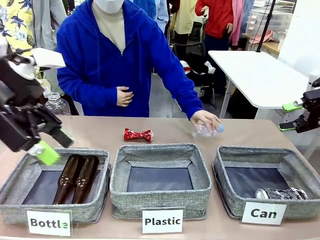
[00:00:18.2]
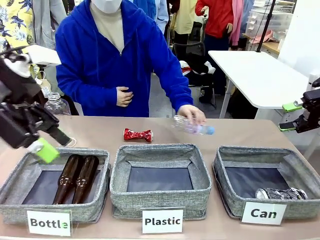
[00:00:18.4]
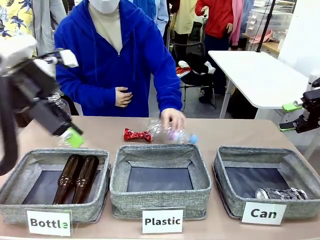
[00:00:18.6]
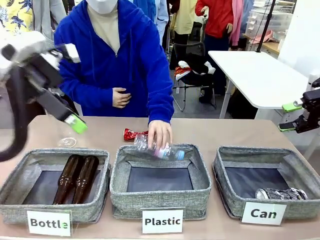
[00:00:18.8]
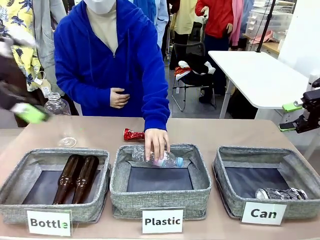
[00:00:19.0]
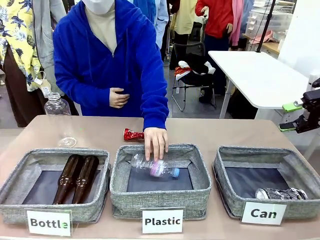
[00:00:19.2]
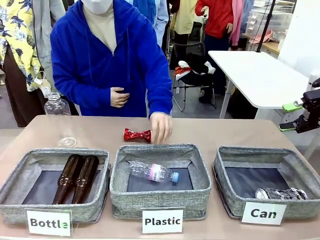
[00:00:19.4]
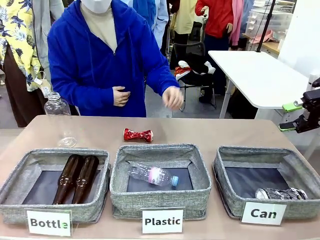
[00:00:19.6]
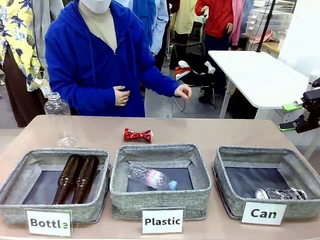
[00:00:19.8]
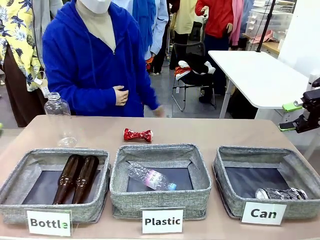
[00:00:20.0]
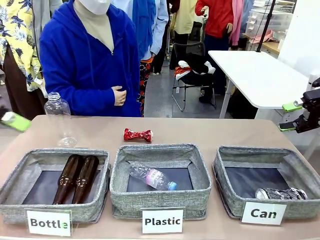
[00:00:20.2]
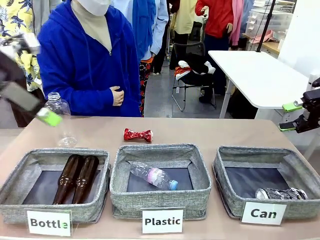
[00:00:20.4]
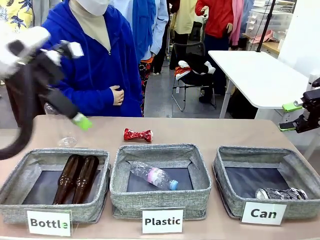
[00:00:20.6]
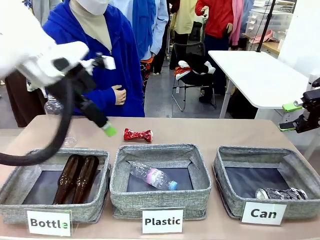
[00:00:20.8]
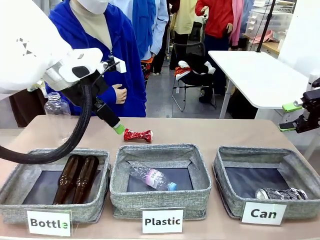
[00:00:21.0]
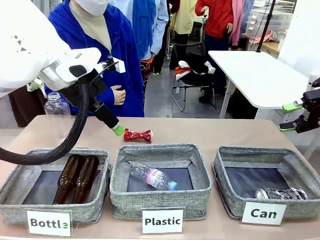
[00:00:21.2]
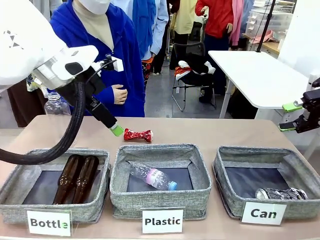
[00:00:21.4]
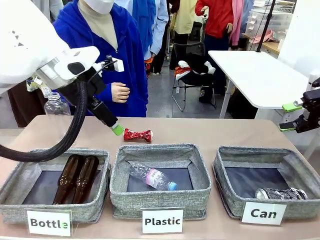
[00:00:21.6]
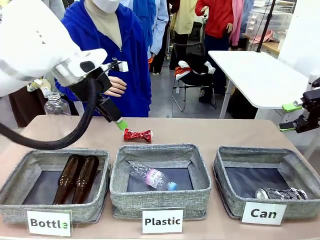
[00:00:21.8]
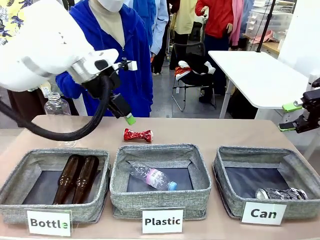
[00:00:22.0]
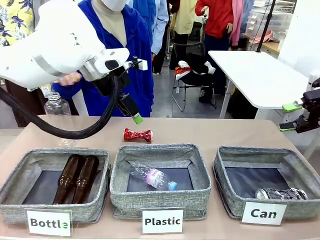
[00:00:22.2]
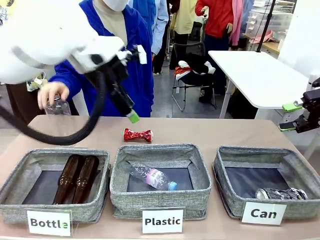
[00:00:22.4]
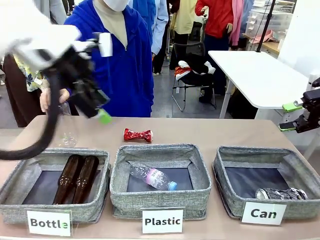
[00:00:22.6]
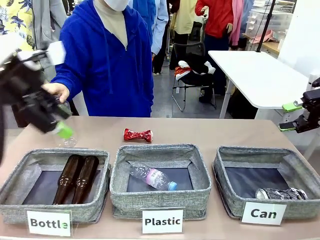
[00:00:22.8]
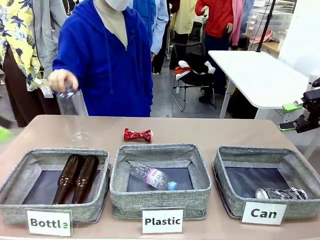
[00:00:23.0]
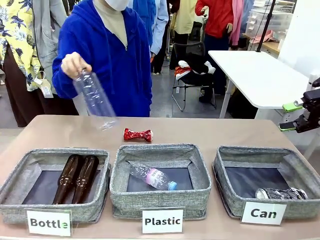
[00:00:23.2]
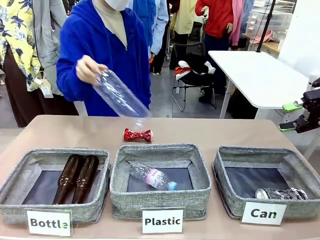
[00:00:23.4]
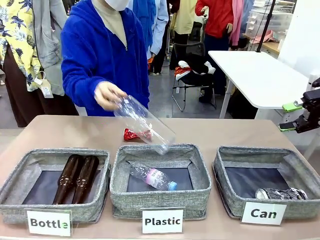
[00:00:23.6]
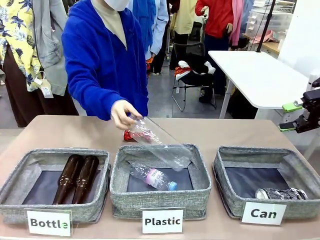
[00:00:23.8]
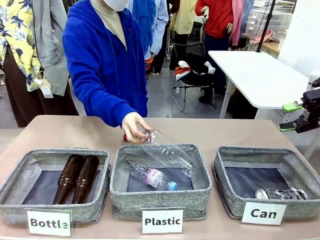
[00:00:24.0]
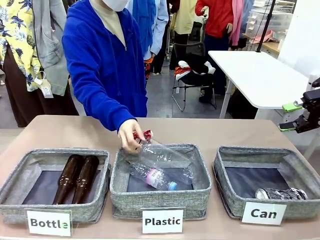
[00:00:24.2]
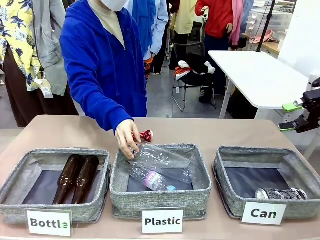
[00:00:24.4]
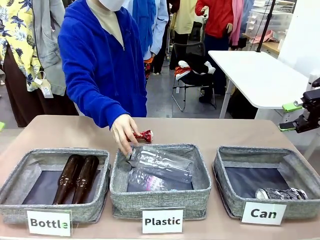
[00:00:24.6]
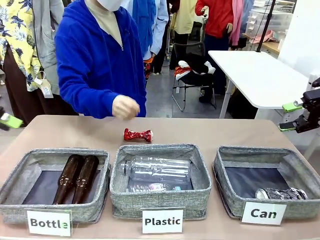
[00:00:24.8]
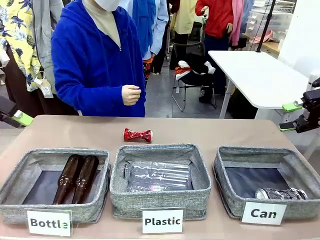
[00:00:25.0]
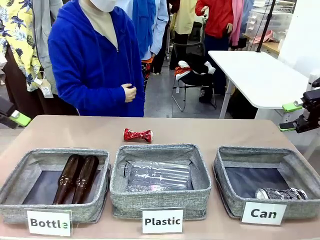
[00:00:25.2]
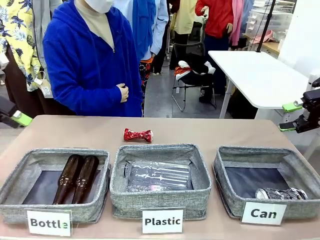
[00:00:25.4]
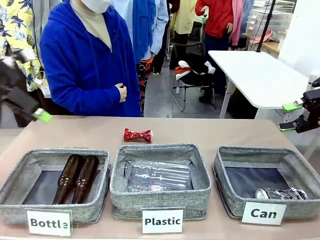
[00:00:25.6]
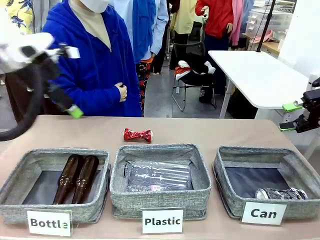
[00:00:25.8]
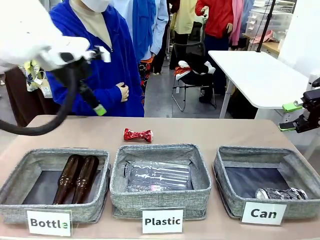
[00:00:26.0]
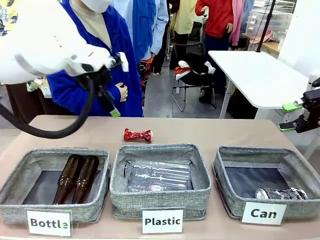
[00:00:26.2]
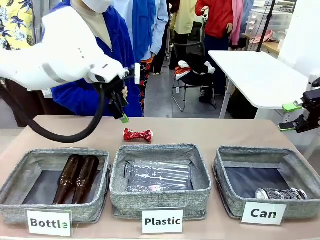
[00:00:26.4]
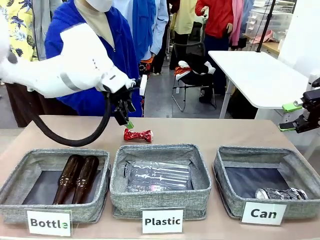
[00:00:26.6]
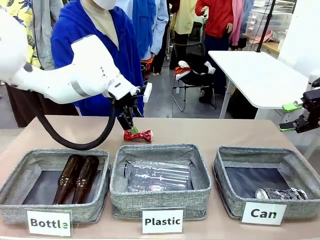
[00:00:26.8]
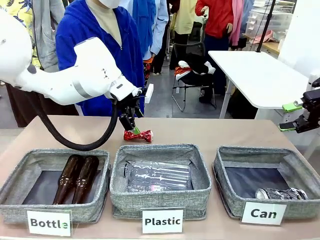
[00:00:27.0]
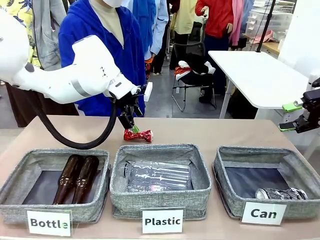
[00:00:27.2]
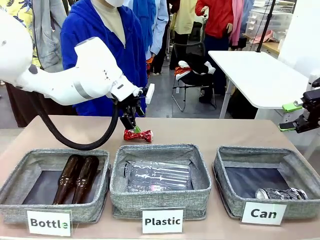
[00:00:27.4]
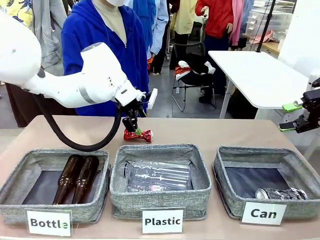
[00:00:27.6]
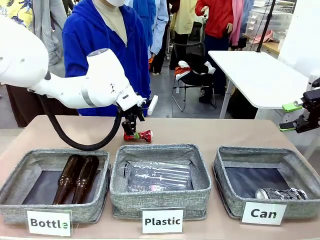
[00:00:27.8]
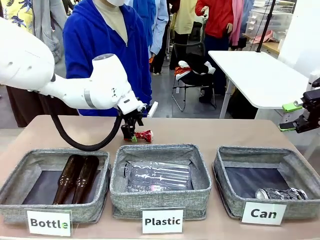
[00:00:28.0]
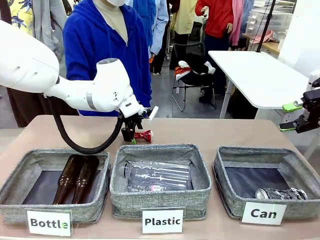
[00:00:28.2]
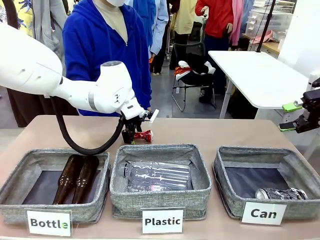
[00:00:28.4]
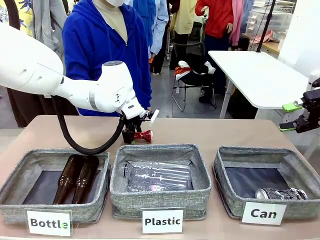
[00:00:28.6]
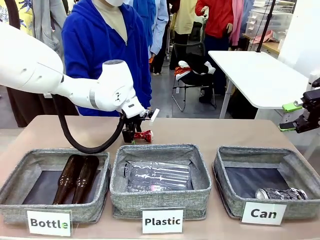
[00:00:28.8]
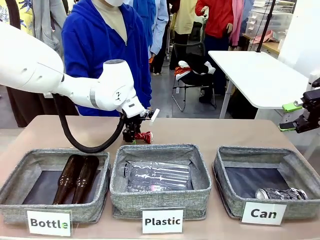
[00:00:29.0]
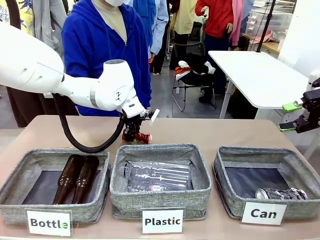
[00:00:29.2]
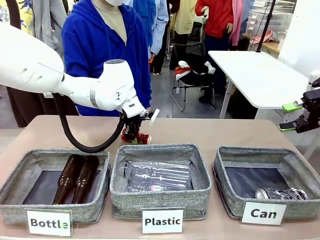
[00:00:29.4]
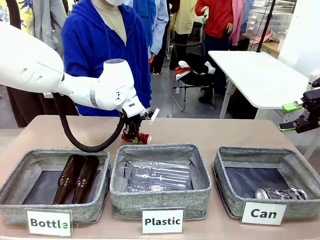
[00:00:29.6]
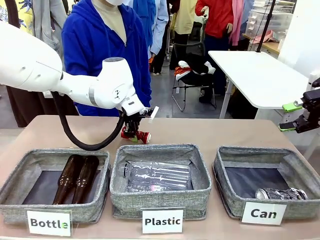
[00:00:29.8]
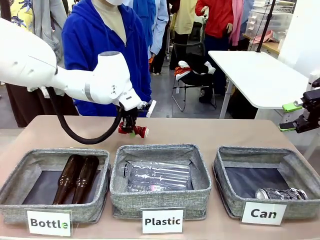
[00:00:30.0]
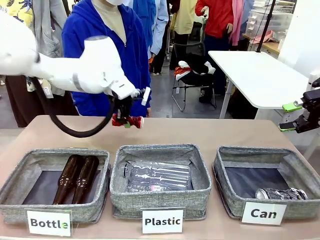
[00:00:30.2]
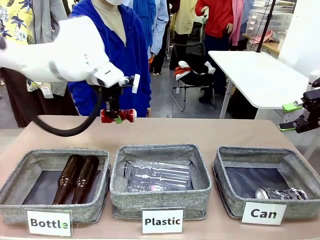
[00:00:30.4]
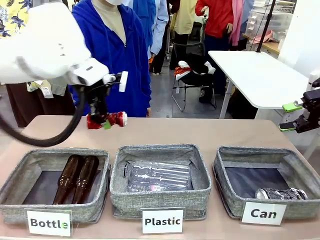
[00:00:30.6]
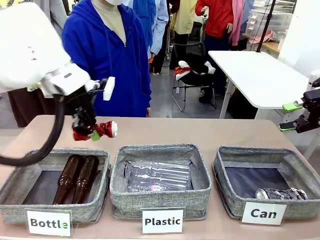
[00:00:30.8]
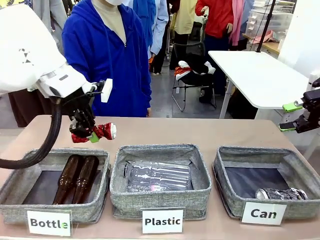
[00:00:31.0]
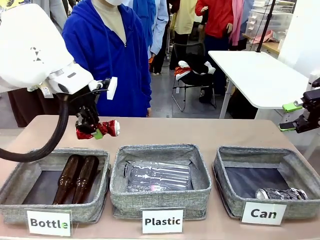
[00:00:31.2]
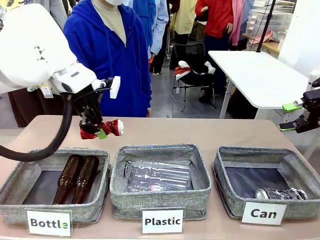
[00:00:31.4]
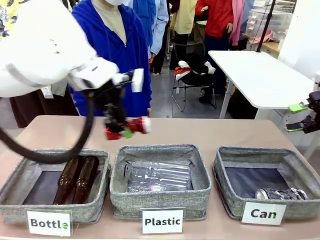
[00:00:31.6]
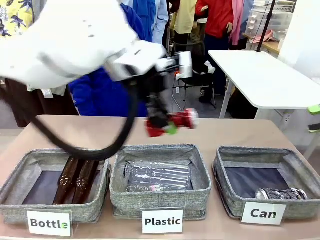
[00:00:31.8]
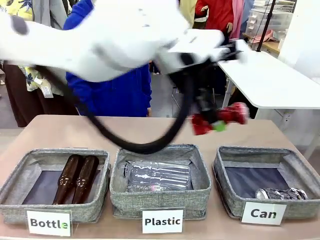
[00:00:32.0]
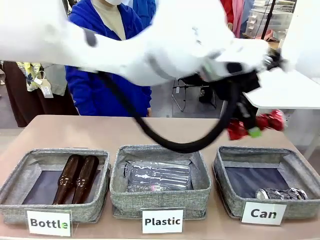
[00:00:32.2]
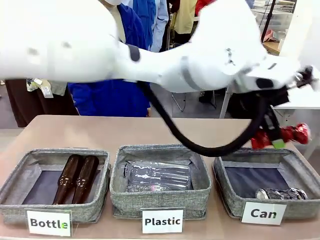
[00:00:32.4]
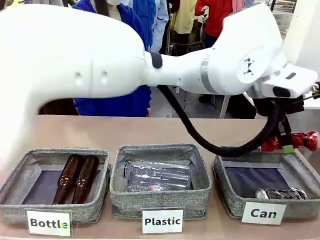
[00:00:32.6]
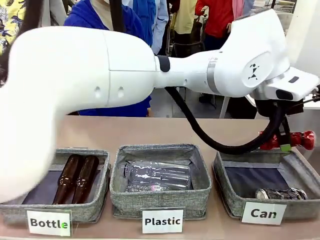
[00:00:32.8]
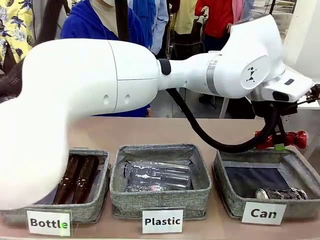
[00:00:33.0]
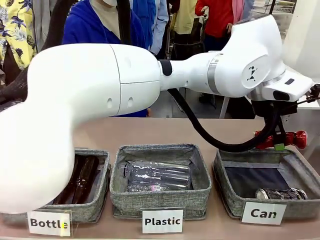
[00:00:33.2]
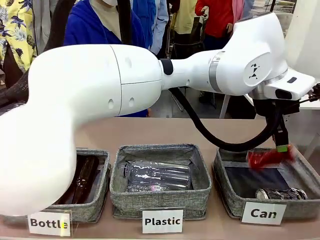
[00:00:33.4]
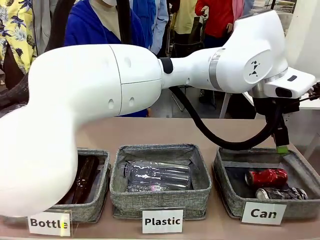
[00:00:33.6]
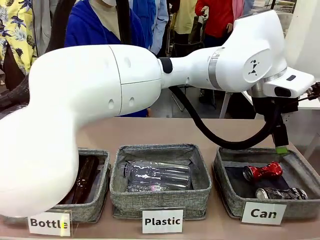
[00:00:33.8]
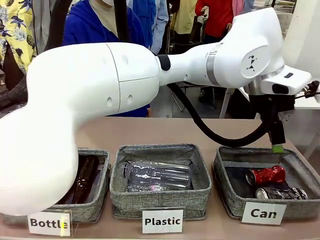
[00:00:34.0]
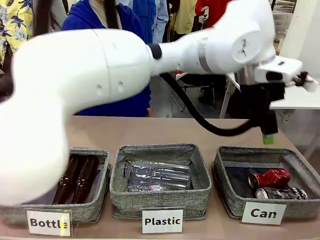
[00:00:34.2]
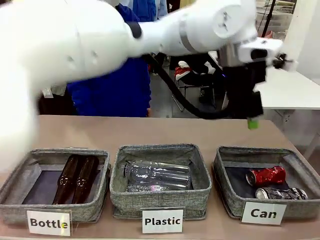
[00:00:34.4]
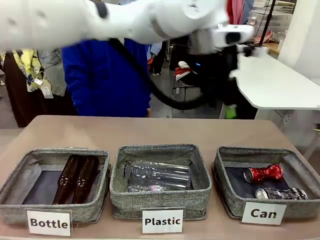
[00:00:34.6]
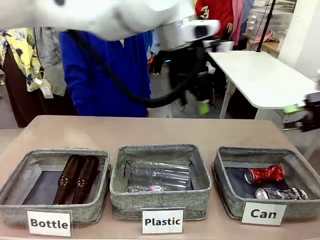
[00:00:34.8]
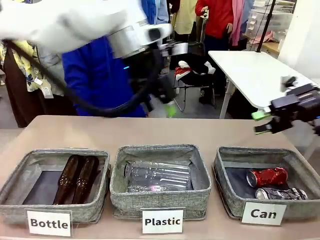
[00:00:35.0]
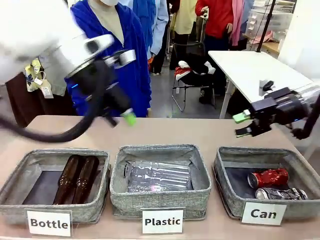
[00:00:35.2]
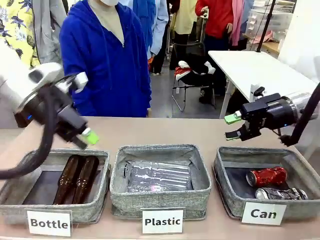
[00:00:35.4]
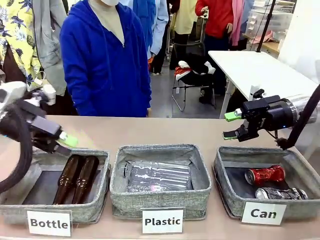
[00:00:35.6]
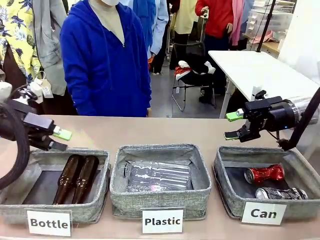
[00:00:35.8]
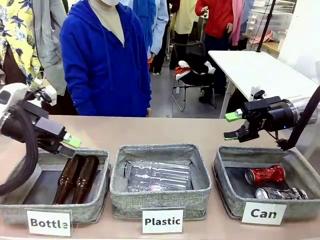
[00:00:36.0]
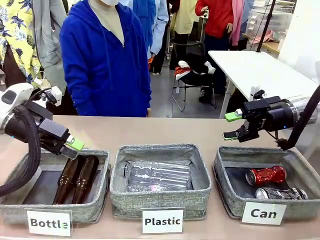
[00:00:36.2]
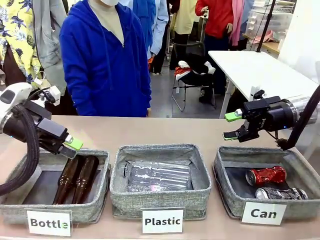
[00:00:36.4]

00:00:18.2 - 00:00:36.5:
Task: Sort the can waste into the basket.
Robot: Pick up the can waste from the table and place it in the right Fabric basket.
Person: The human picks up one piece of trash that is not a can and places the trash into the appropriate organizing basket.
